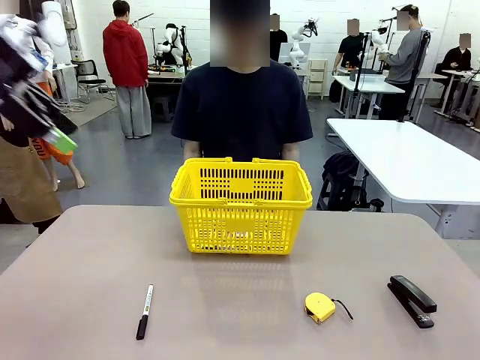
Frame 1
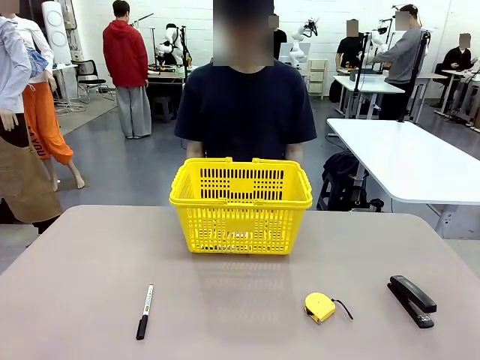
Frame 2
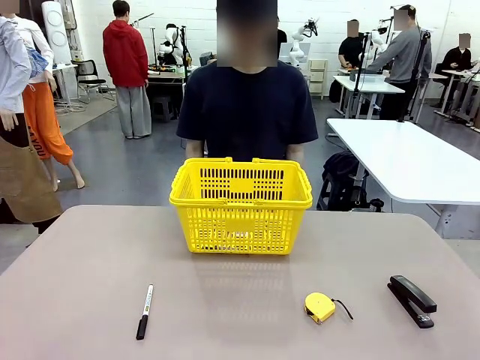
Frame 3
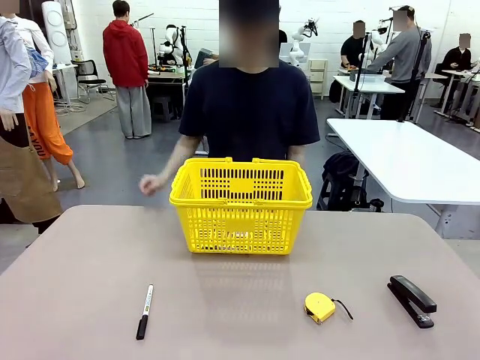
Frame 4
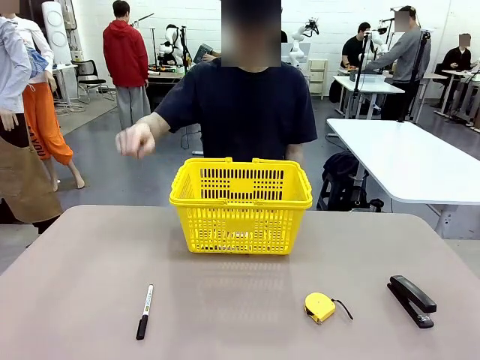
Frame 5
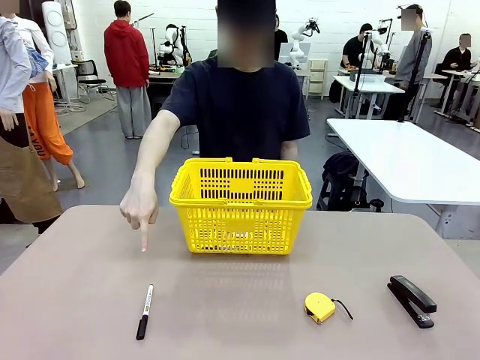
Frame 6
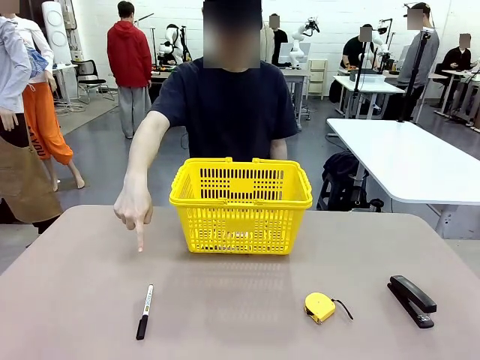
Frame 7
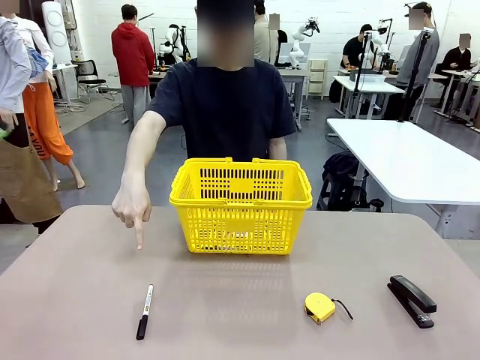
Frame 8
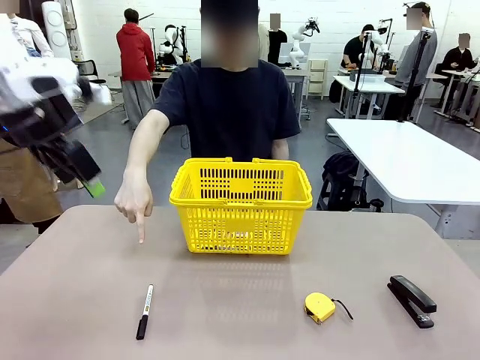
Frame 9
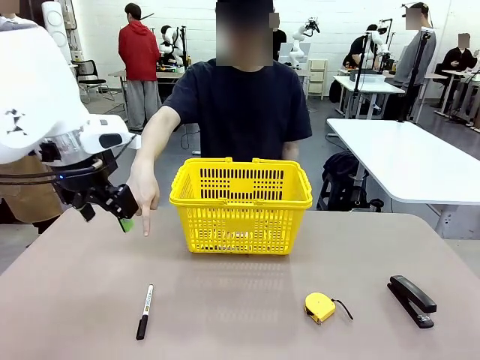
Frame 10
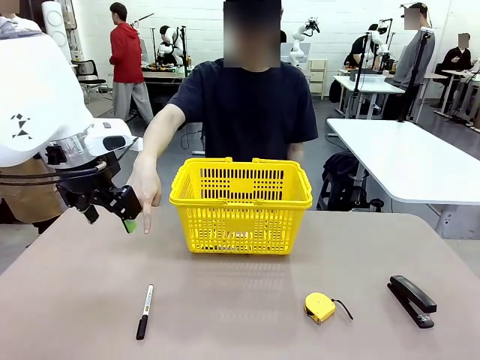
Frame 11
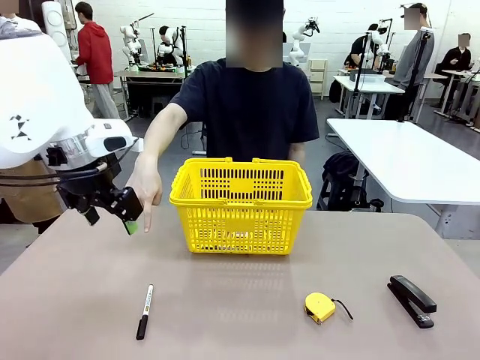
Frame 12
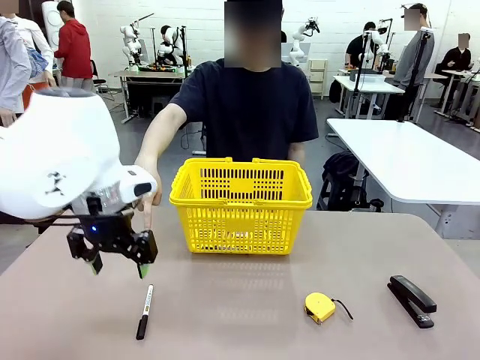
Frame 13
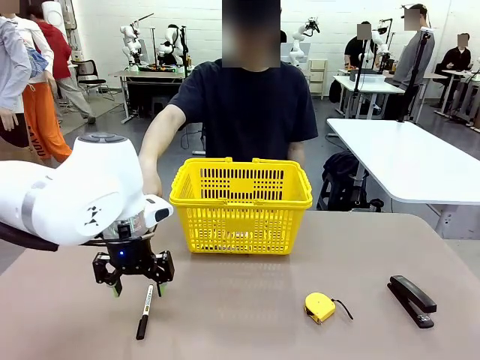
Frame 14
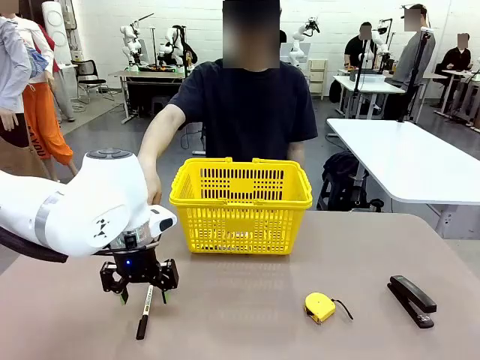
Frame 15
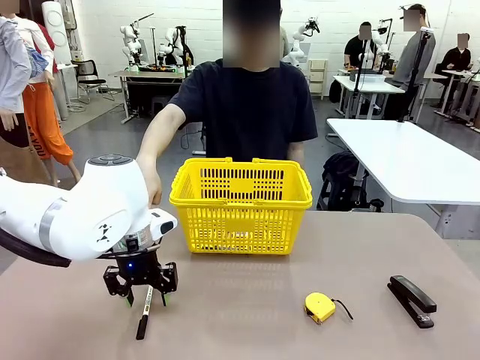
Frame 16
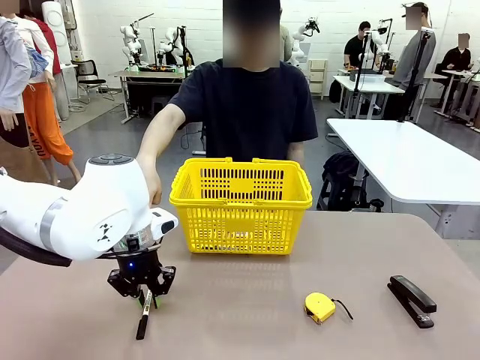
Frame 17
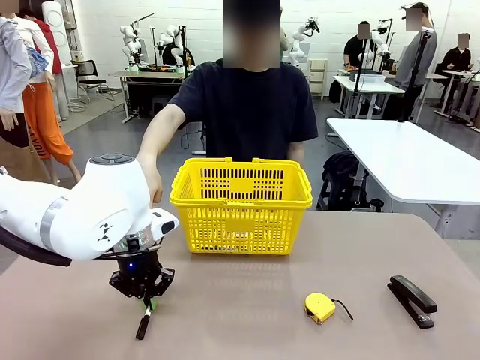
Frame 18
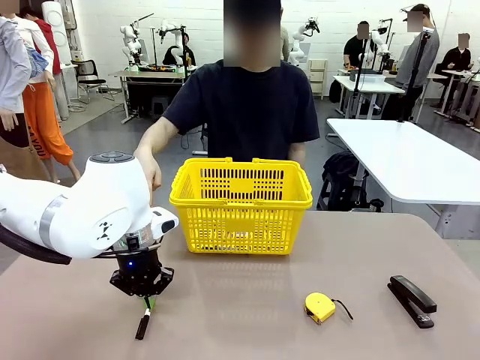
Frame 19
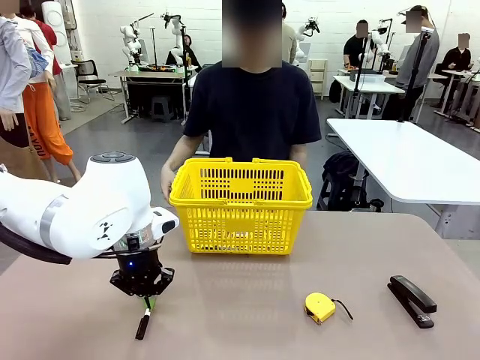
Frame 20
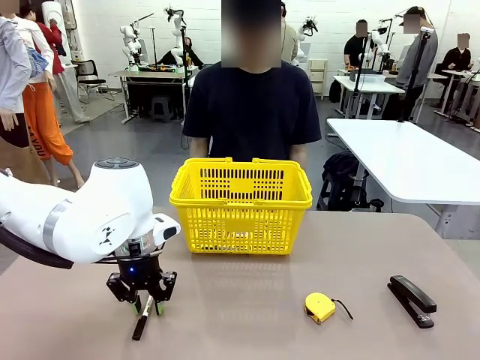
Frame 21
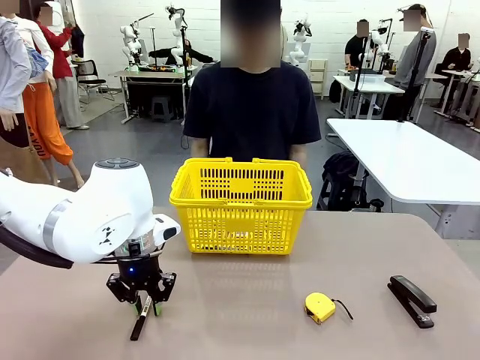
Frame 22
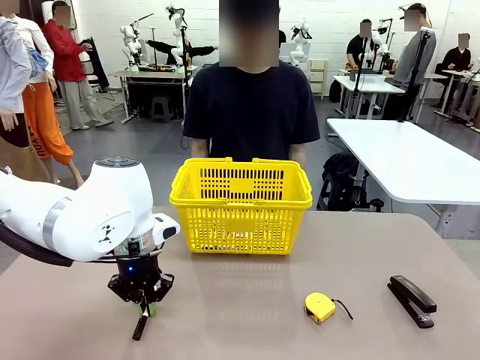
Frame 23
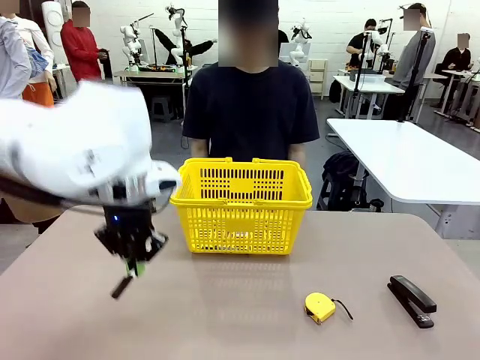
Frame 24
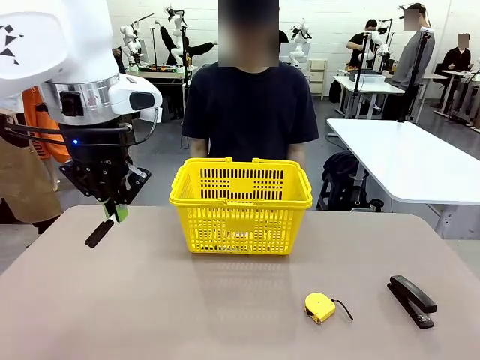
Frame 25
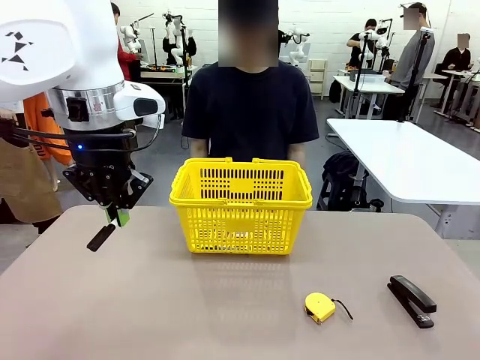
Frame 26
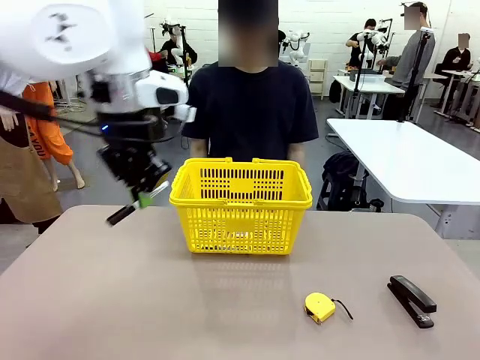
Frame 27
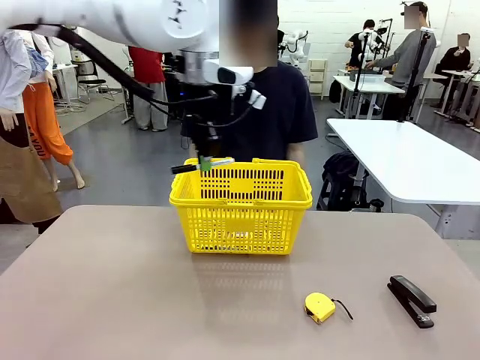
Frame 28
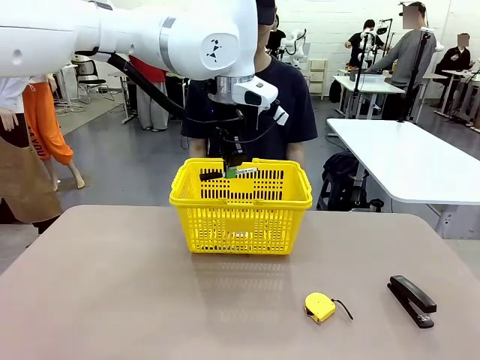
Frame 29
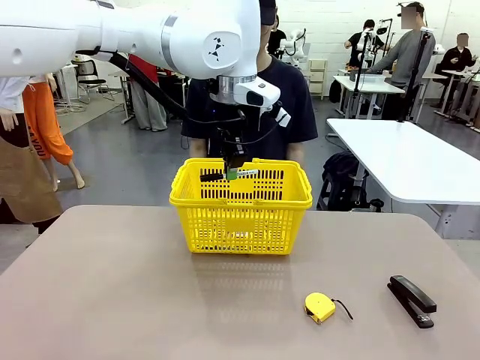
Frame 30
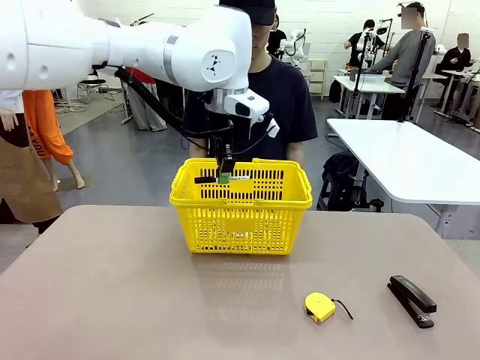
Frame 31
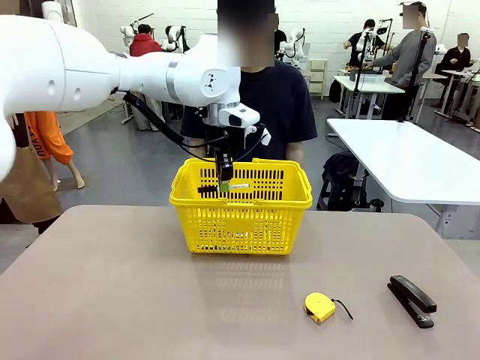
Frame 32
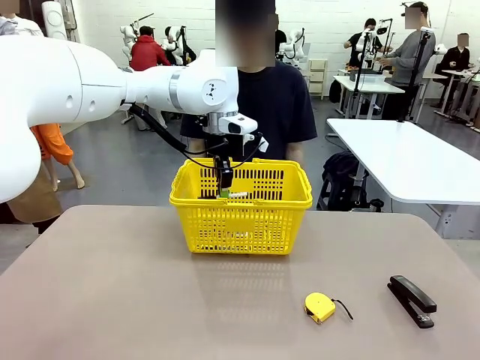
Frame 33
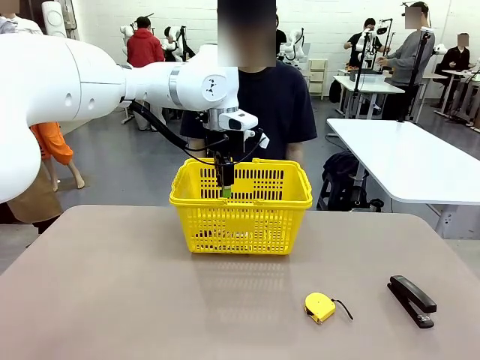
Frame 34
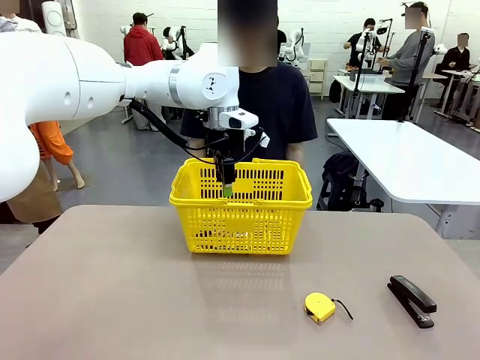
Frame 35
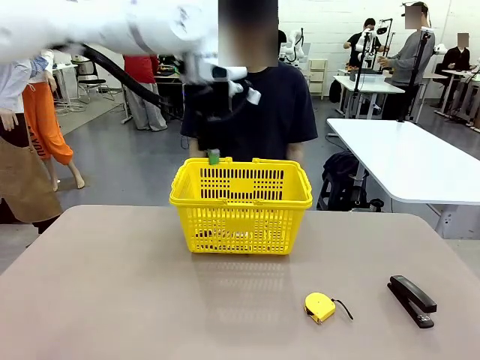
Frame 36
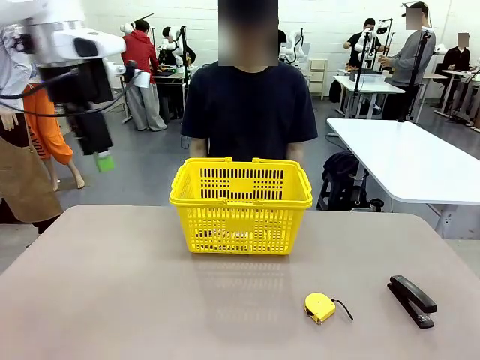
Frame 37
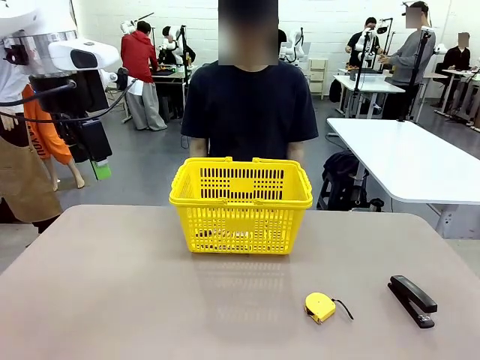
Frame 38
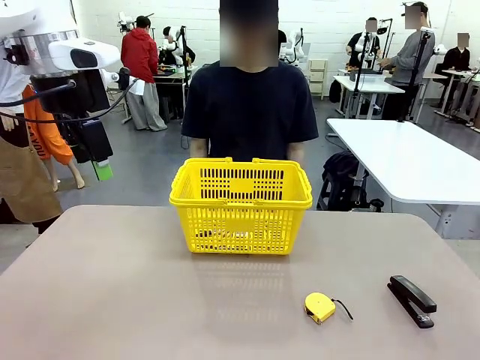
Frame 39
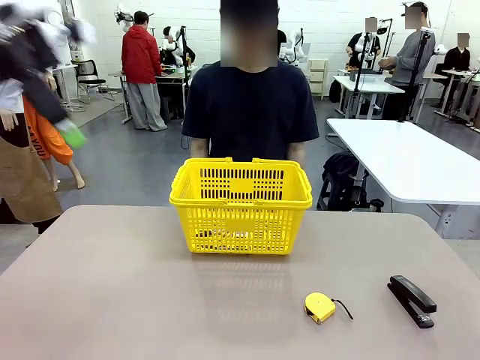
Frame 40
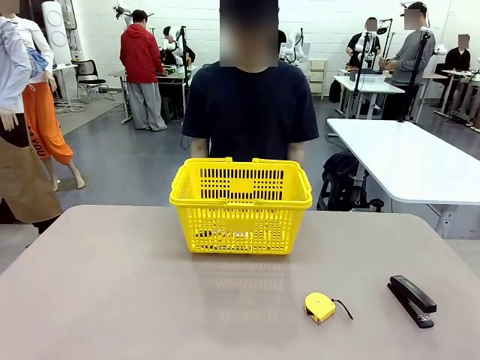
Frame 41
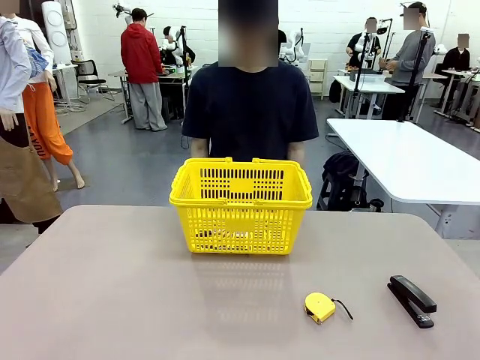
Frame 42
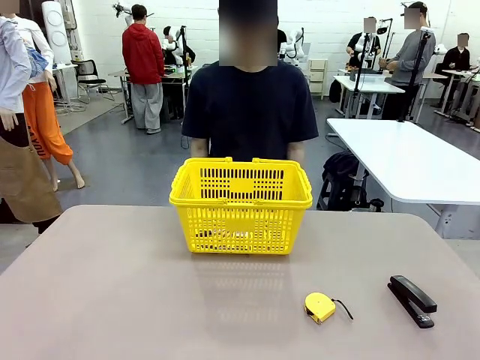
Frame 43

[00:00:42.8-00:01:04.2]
Task: Place the items the person wants into the basket.
Robot: Pick up the item the person points to and place it in the Market Basket.

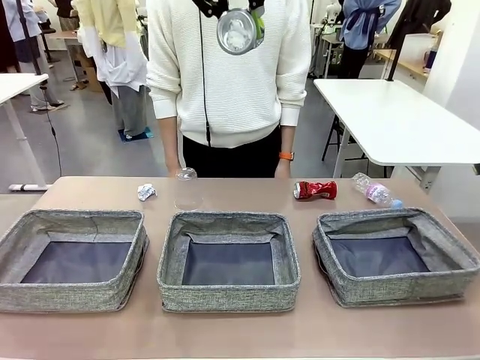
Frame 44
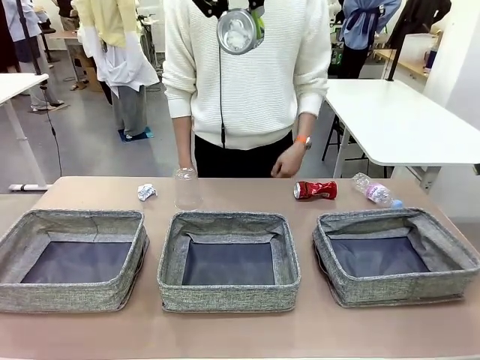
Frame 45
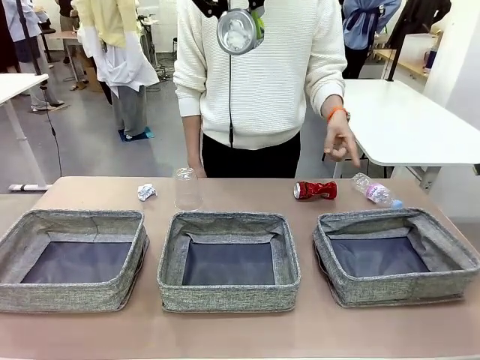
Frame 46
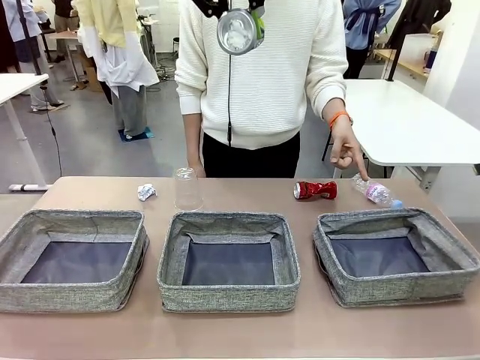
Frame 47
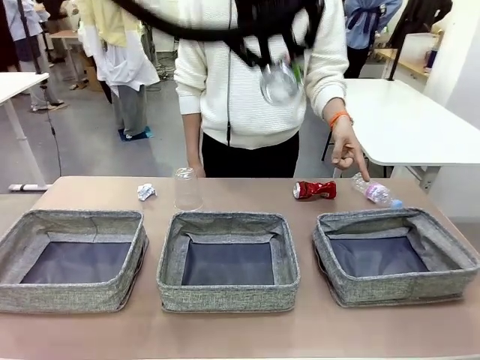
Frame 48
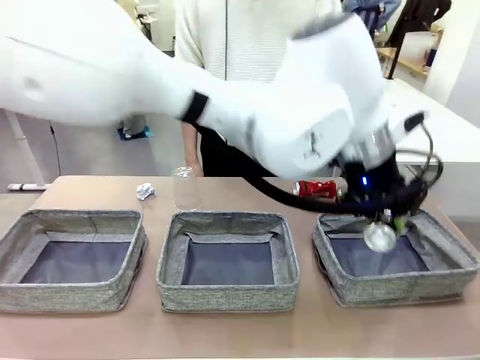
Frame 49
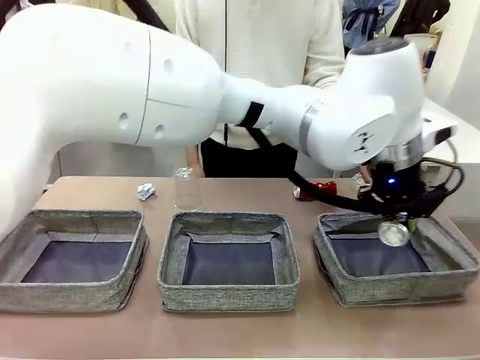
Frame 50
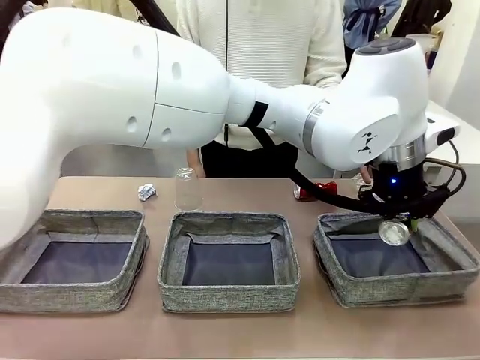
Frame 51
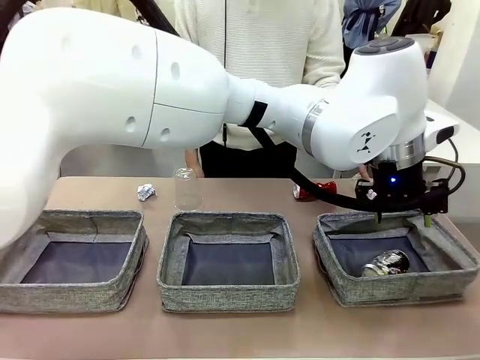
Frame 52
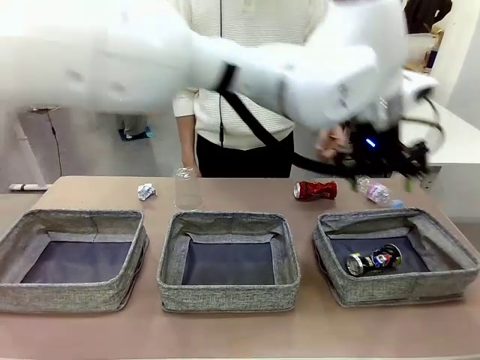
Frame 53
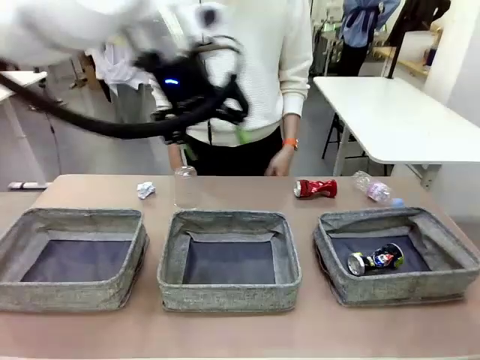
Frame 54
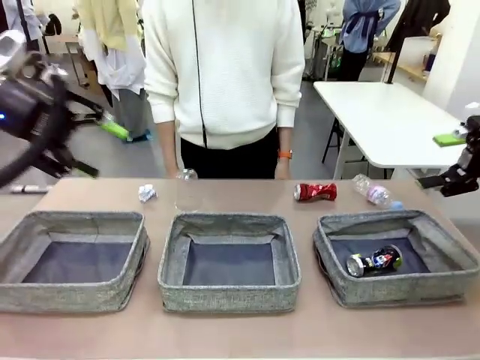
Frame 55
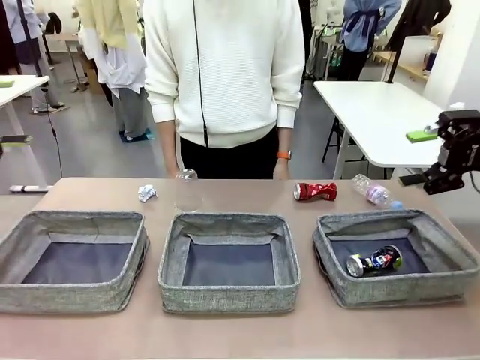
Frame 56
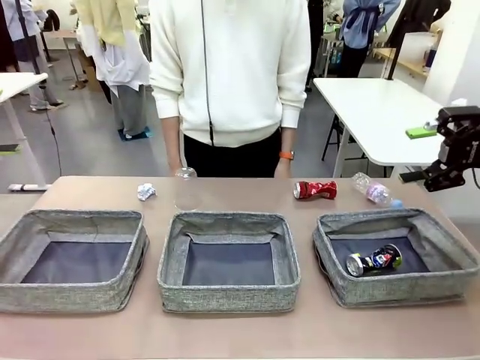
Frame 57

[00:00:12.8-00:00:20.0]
Task: Sort the waste into the appropriate baskets.
Robot: Place the picked waste into the Fabric basket indicated by the person.
Person: Instructs the robot to place the picked-up trash into the appropriate organizing basket.
